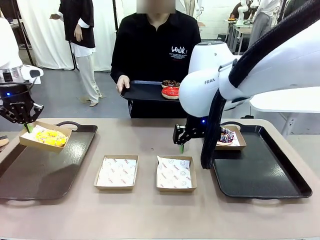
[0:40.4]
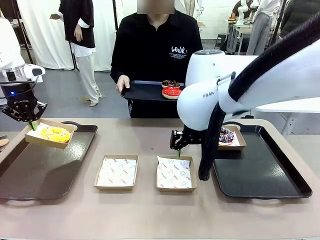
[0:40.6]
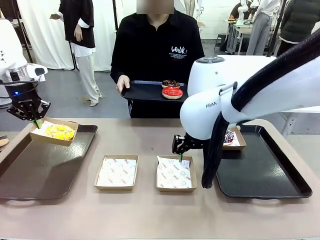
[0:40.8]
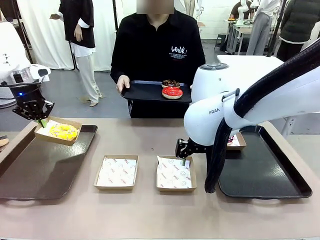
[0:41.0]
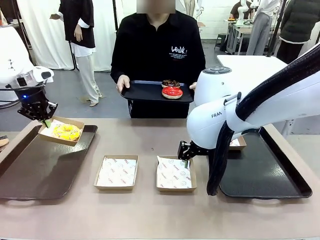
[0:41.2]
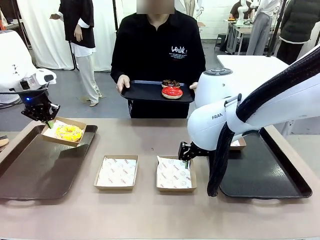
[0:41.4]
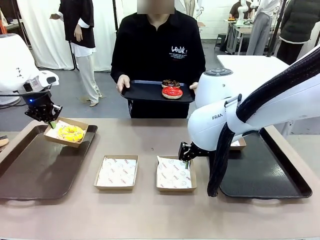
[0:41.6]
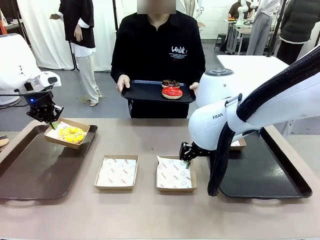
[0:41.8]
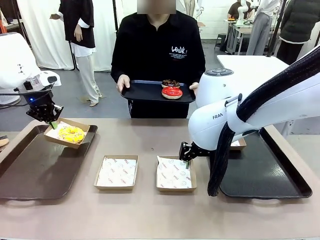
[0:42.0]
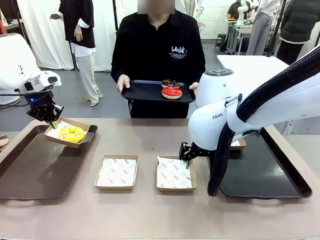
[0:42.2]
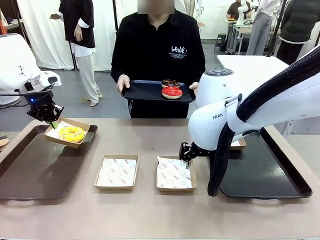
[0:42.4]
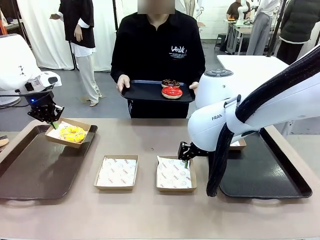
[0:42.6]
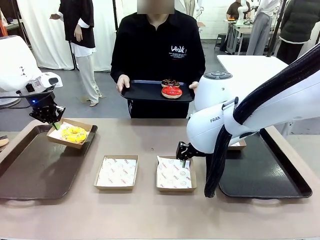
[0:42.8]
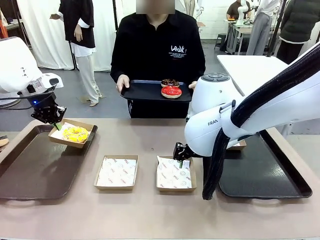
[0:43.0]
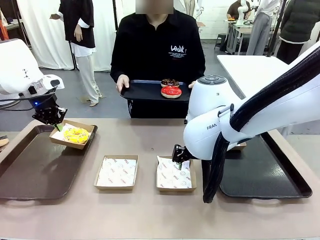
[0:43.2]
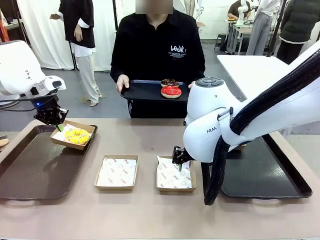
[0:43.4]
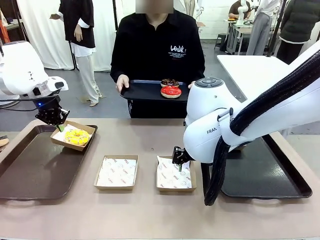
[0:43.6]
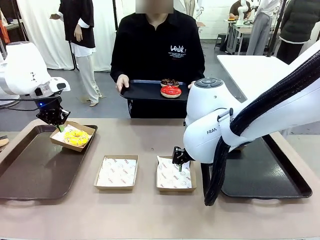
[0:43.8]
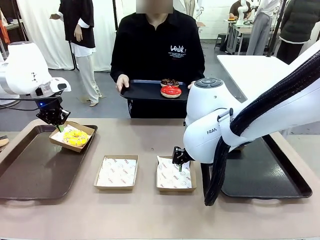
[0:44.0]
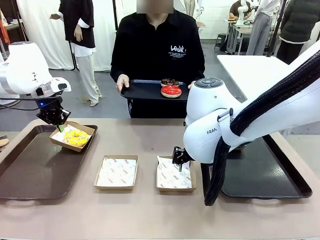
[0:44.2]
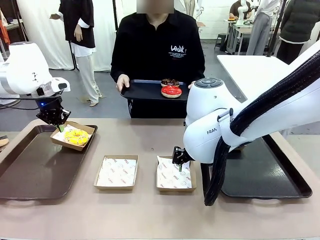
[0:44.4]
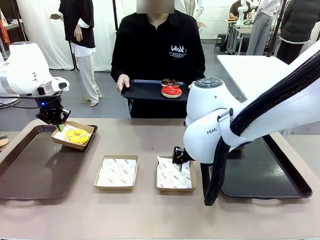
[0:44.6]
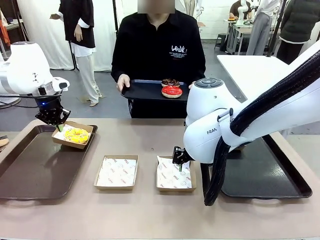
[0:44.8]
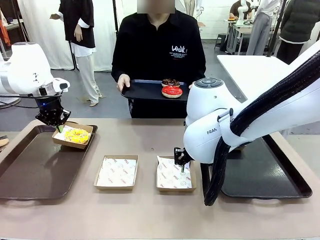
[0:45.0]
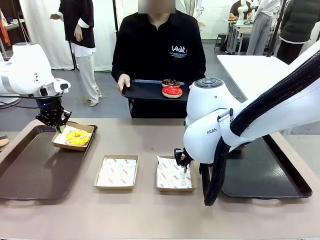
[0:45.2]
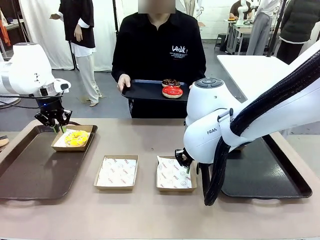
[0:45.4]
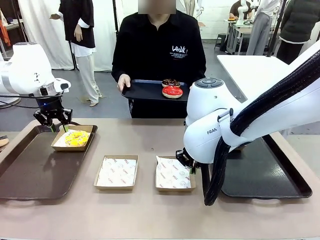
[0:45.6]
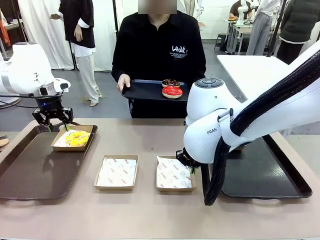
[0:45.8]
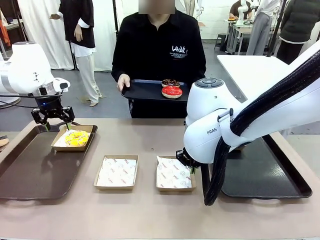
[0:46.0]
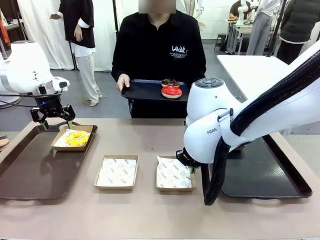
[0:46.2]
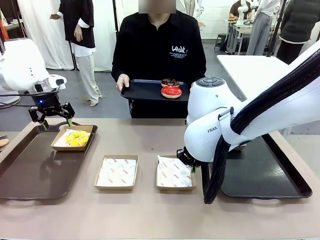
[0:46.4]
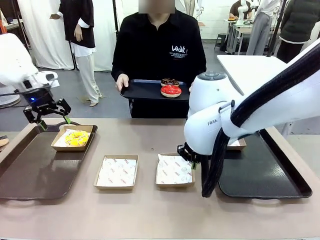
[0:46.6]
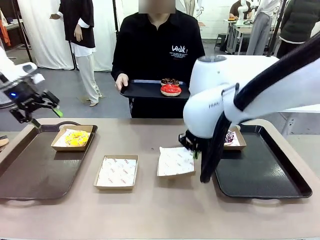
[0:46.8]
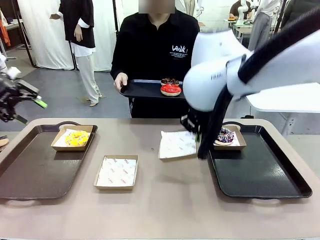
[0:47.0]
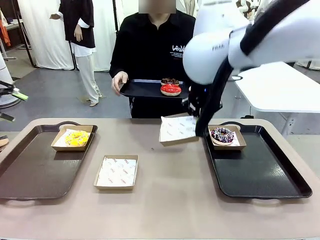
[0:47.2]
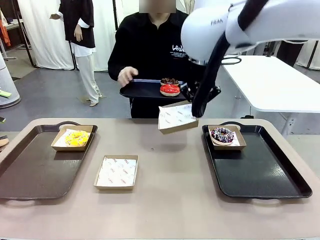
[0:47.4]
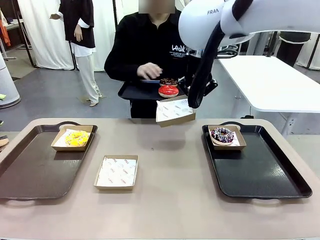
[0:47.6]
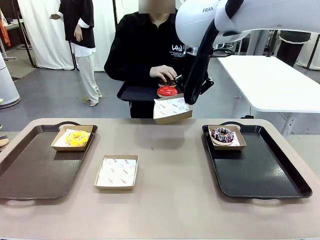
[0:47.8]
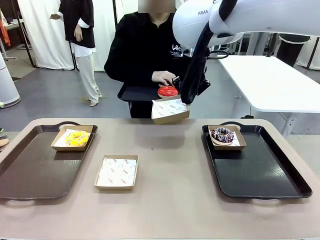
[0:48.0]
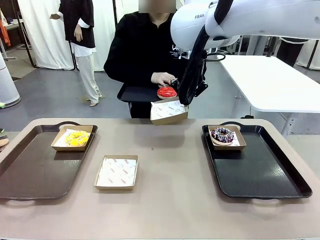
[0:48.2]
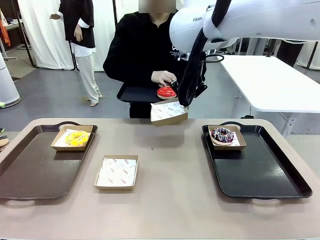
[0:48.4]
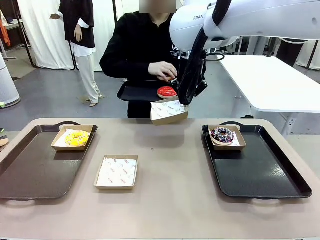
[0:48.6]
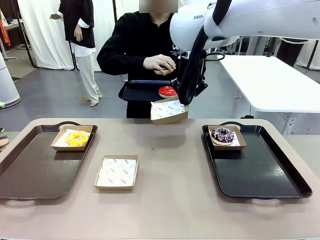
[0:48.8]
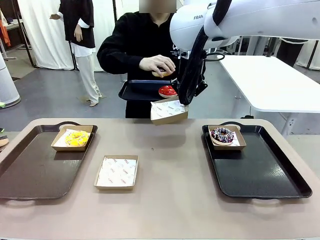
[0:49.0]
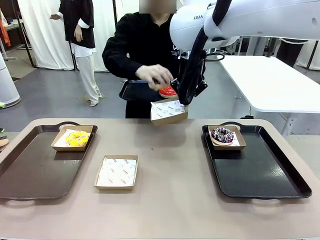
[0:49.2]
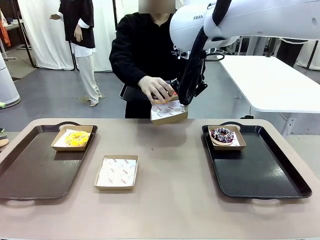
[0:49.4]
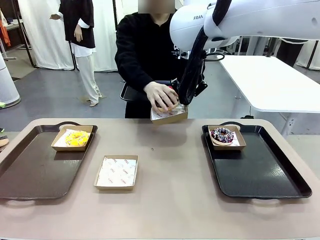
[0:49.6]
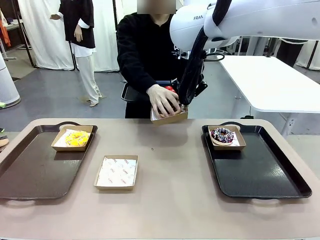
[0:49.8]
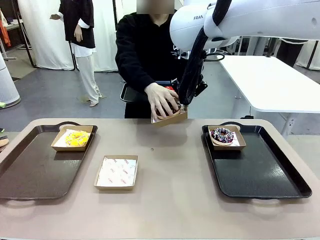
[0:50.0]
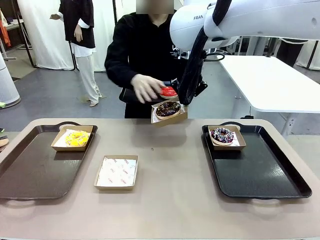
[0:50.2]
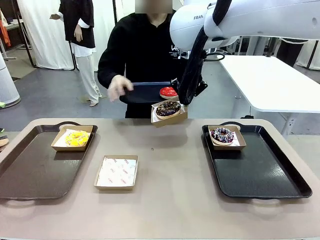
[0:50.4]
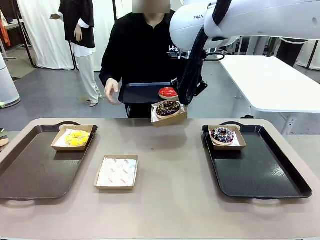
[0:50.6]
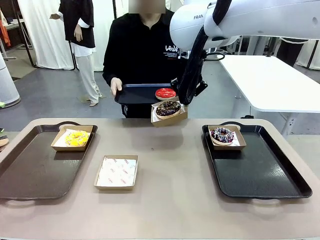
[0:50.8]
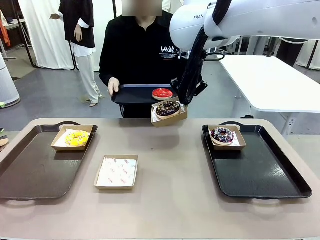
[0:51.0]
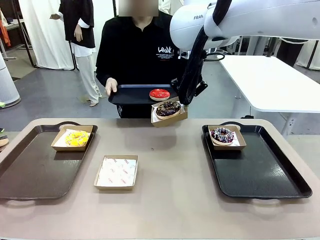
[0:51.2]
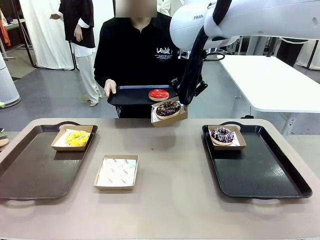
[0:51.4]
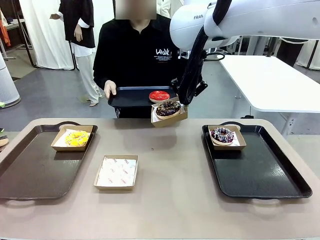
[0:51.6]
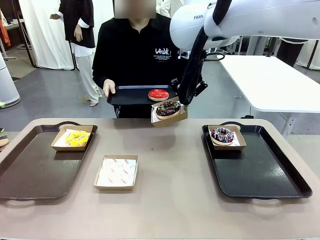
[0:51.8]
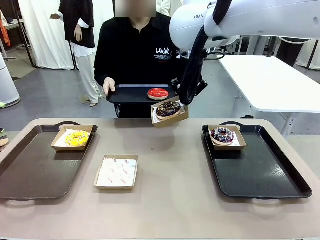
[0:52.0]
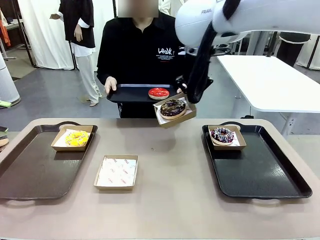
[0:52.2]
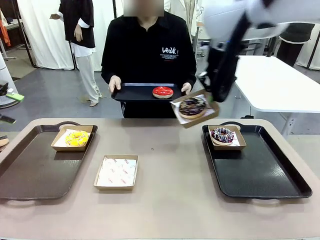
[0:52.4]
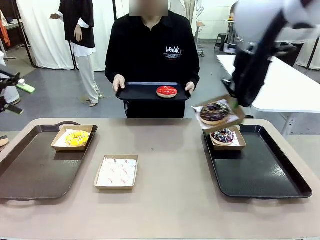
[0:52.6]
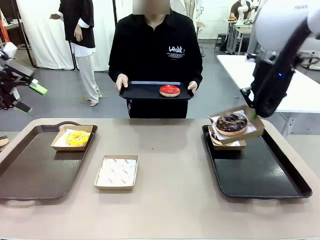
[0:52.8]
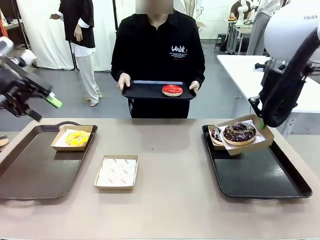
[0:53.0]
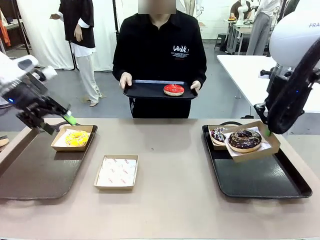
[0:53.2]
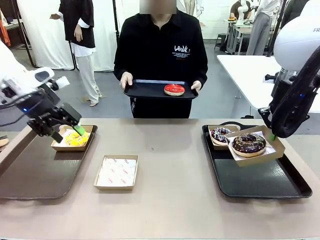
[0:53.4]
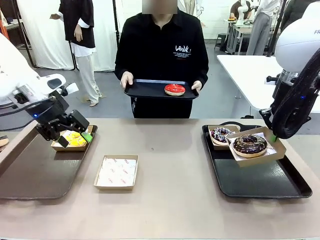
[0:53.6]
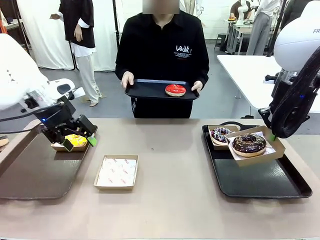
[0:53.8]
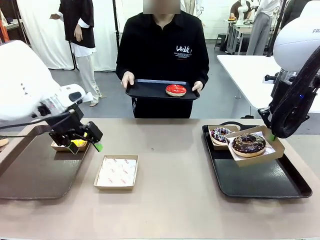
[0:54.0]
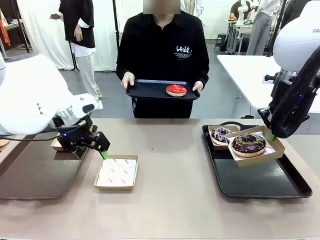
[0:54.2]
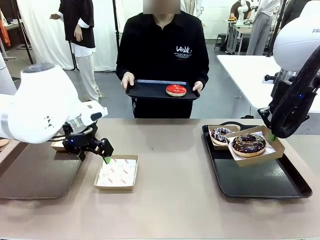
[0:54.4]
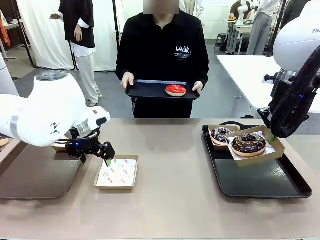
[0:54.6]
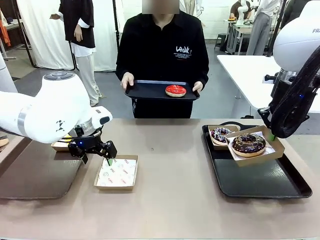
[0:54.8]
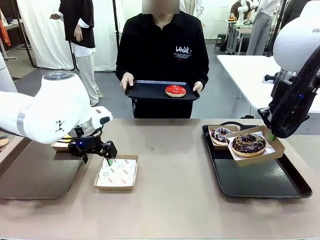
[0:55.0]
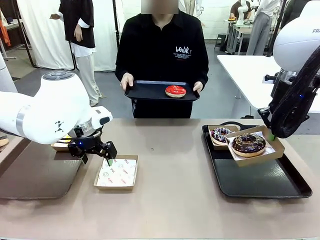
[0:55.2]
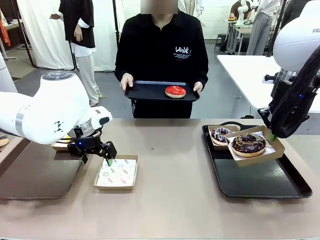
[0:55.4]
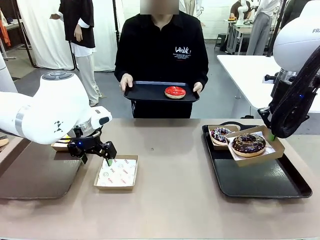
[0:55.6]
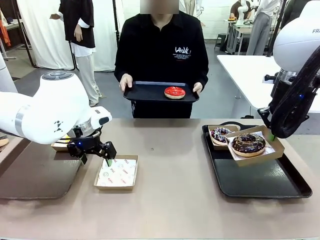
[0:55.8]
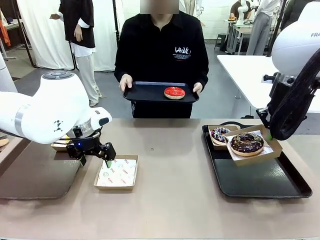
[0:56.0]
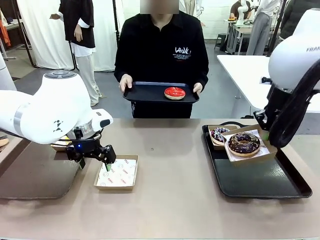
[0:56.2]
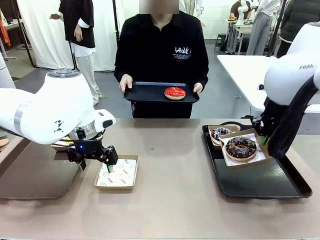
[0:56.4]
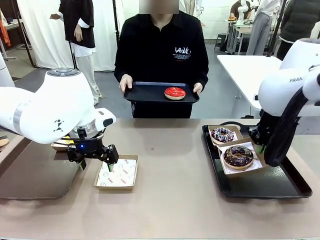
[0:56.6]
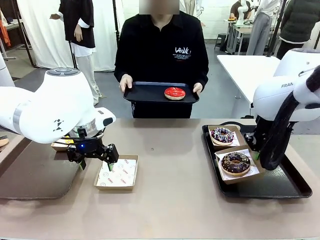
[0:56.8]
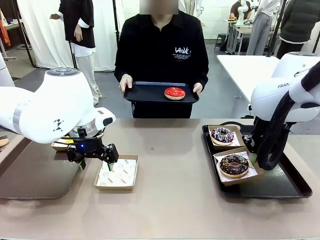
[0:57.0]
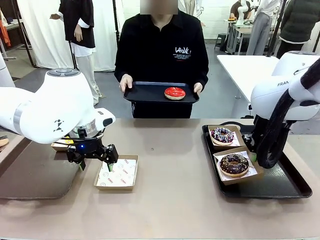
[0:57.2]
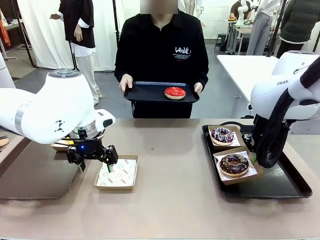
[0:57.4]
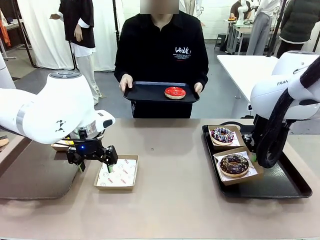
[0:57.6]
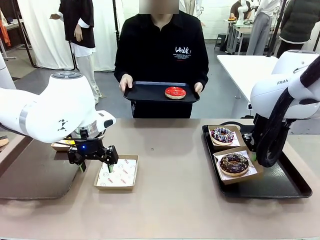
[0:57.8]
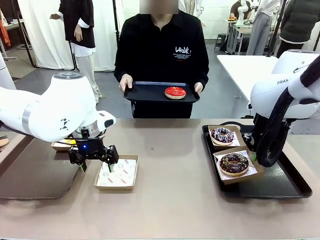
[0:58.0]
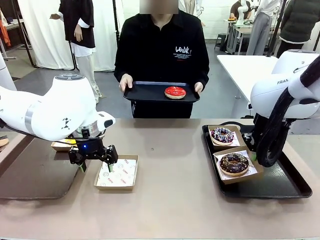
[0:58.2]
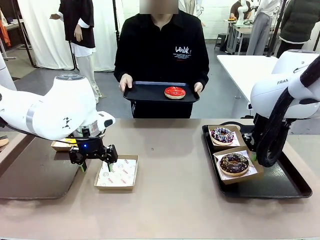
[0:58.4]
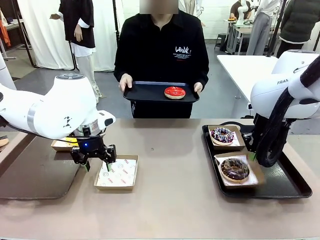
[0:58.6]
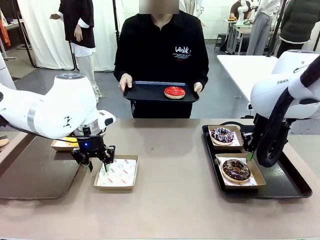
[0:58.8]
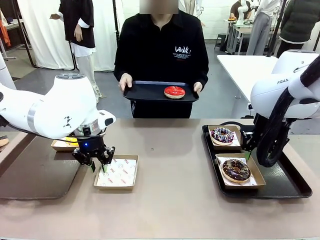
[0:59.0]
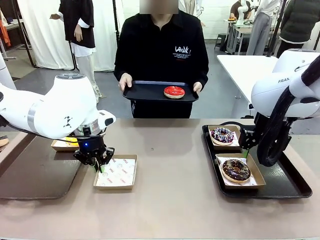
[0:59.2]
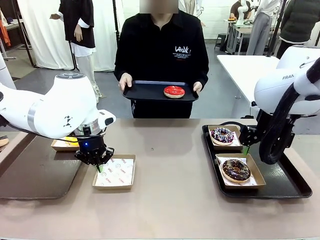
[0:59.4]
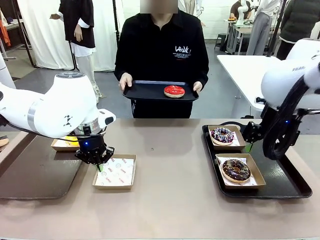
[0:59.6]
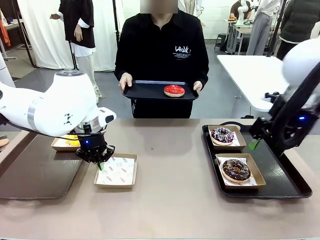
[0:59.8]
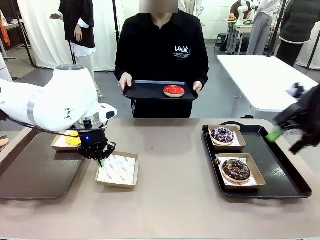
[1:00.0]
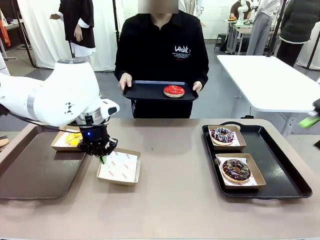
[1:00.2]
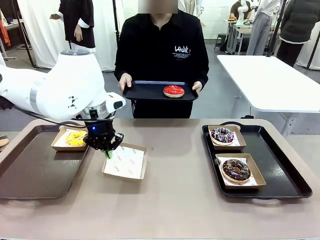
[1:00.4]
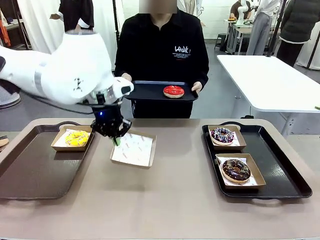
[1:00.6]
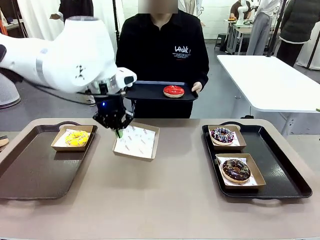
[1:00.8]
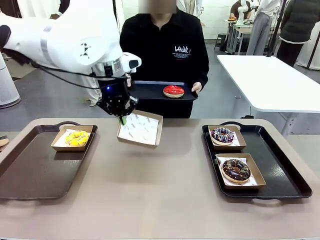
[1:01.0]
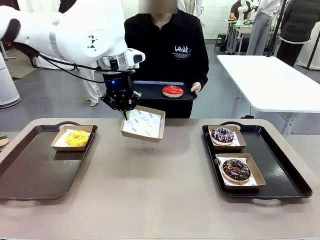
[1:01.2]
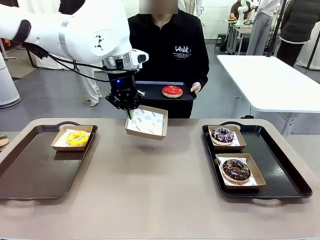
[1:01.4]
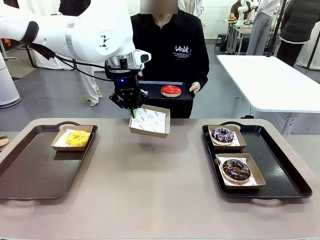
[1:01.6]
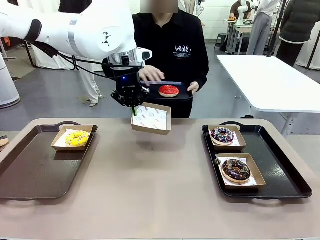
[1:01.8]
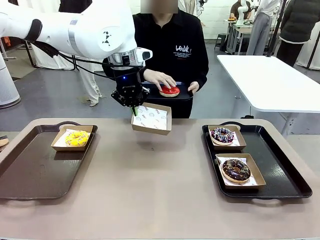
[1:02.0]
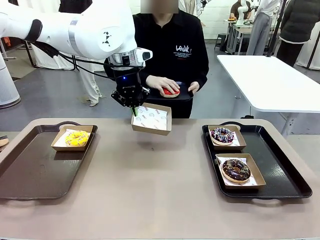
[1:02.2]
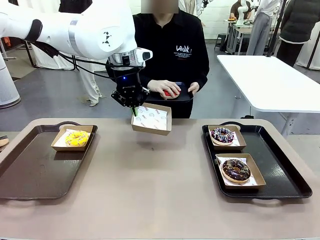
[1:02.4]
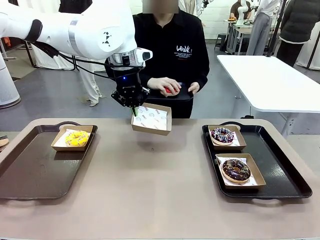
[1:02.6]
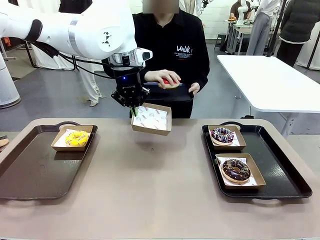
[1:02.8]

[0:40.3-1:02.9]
Task: Individually package the donuts and arrange them on the tray.
Robot: Place the picked Paper togo box on the Handle tray while simultaneously picking up another Paper togo box from the table with the other hand.
